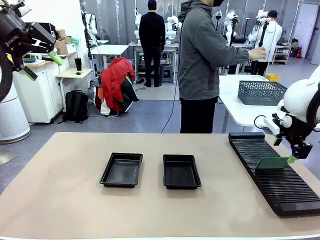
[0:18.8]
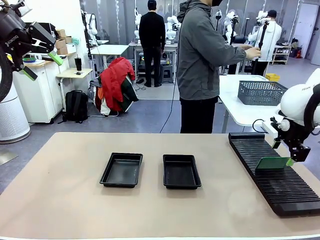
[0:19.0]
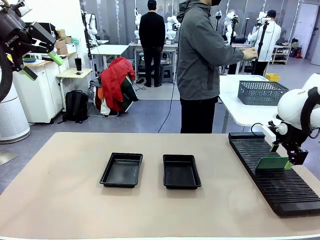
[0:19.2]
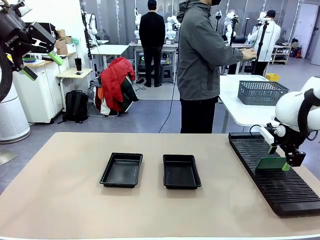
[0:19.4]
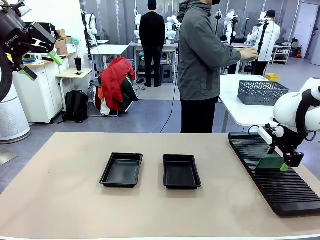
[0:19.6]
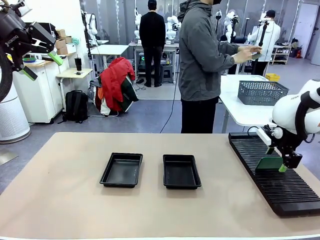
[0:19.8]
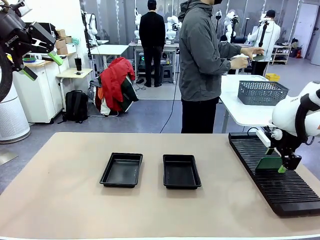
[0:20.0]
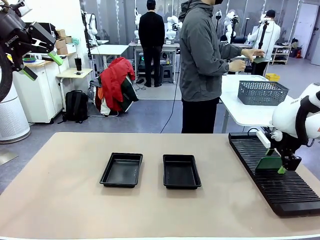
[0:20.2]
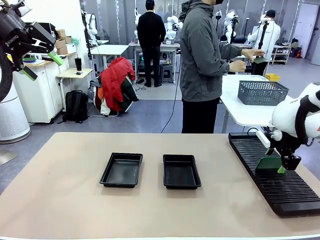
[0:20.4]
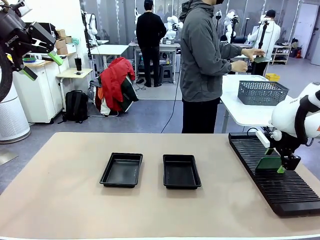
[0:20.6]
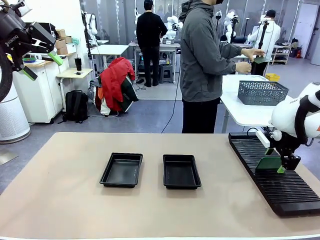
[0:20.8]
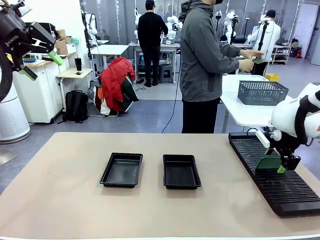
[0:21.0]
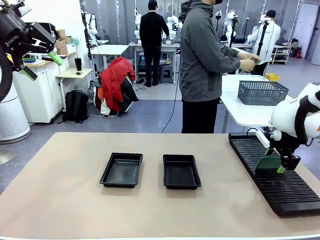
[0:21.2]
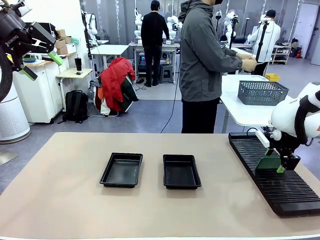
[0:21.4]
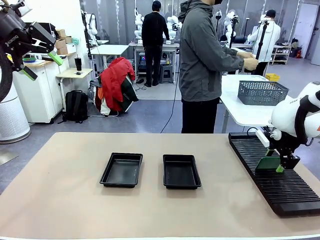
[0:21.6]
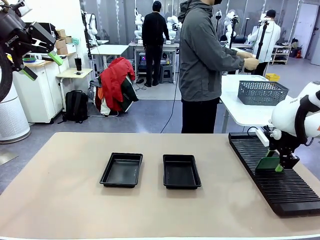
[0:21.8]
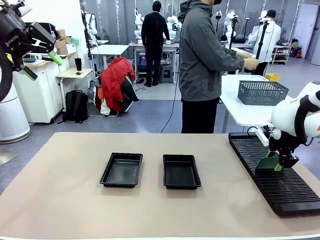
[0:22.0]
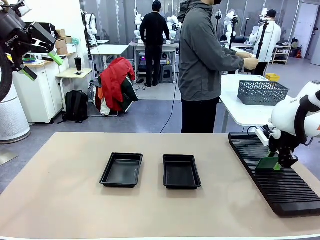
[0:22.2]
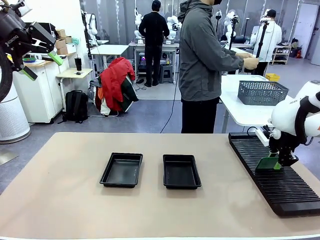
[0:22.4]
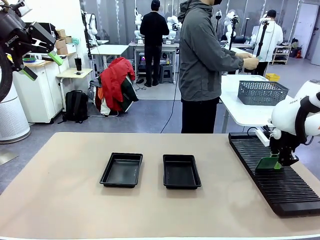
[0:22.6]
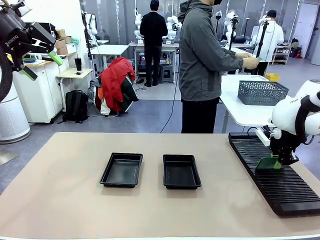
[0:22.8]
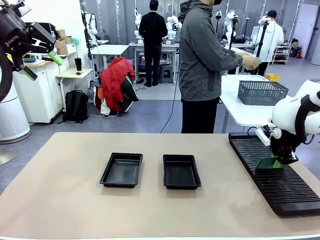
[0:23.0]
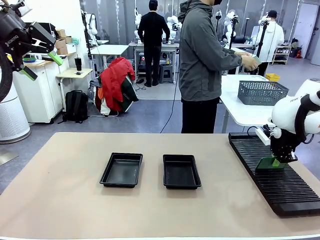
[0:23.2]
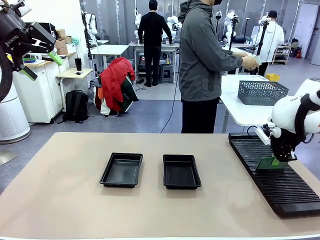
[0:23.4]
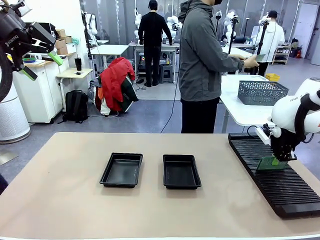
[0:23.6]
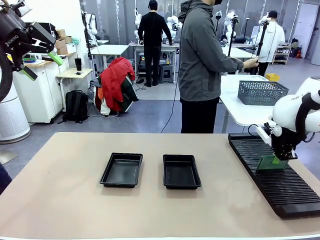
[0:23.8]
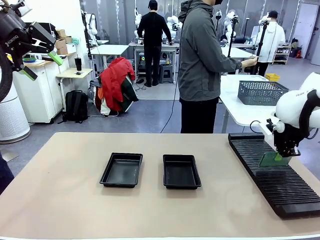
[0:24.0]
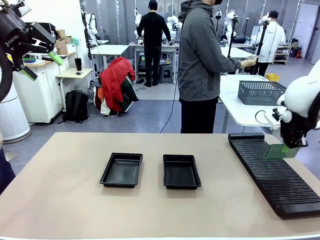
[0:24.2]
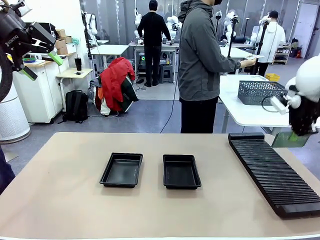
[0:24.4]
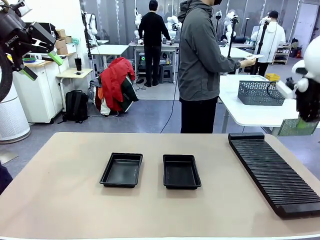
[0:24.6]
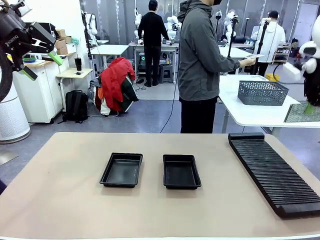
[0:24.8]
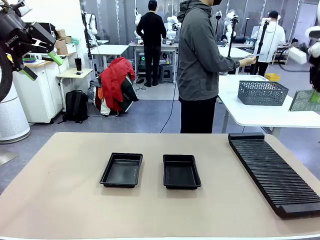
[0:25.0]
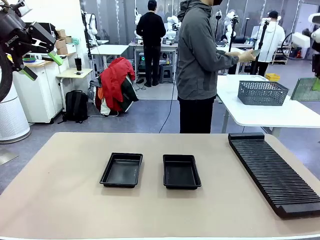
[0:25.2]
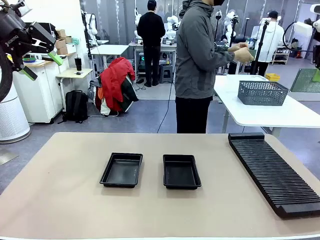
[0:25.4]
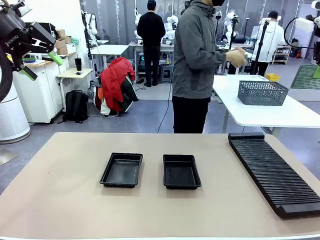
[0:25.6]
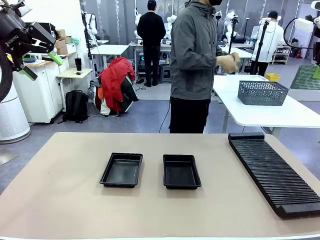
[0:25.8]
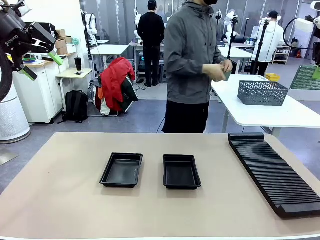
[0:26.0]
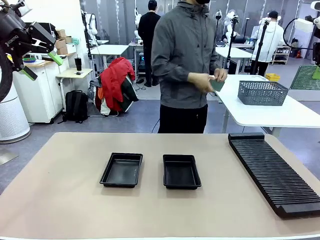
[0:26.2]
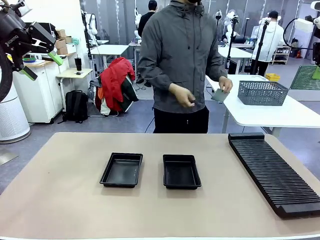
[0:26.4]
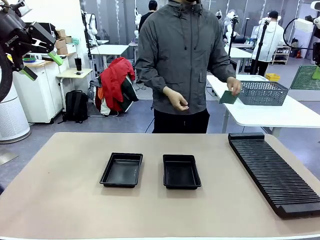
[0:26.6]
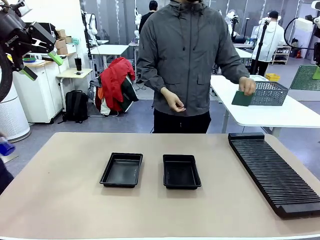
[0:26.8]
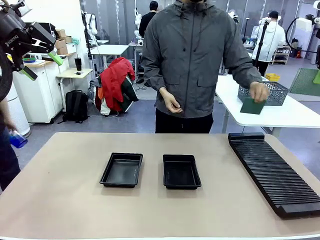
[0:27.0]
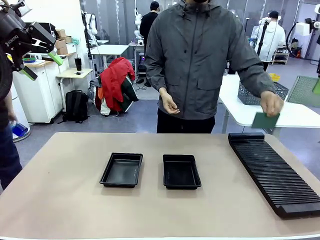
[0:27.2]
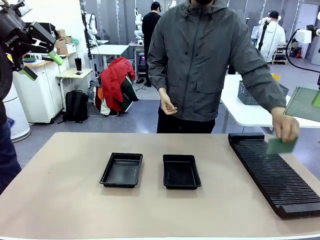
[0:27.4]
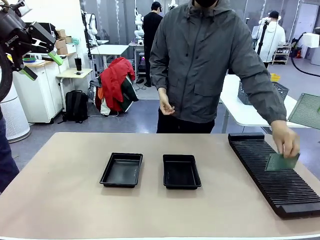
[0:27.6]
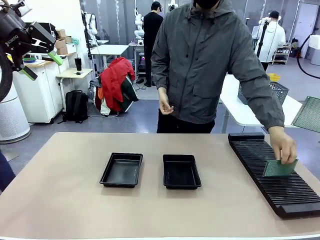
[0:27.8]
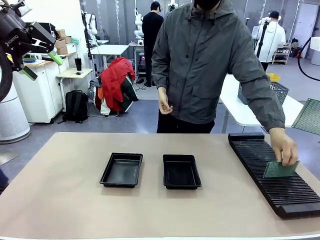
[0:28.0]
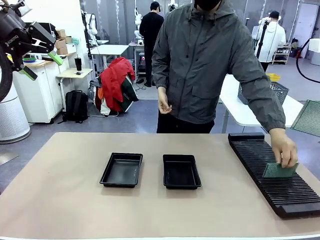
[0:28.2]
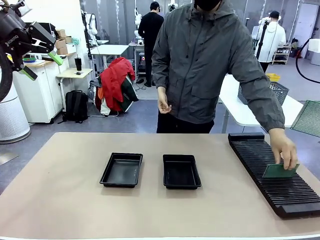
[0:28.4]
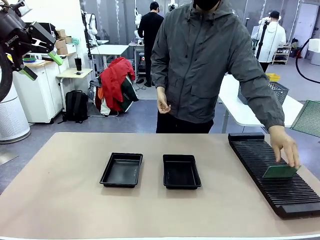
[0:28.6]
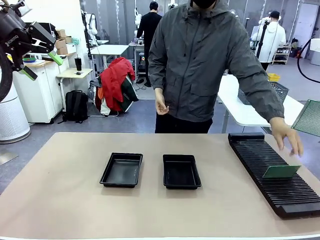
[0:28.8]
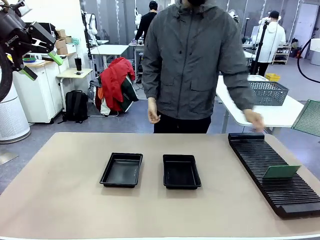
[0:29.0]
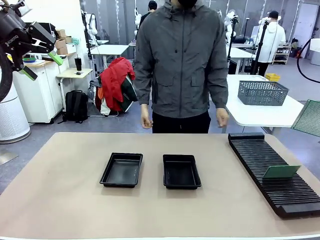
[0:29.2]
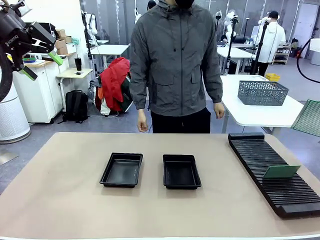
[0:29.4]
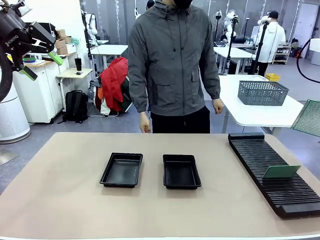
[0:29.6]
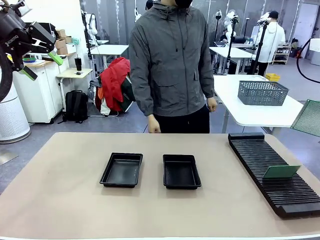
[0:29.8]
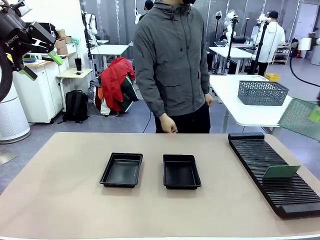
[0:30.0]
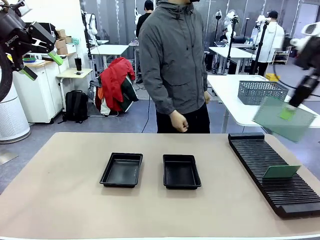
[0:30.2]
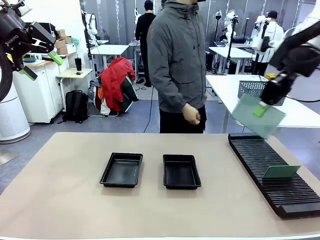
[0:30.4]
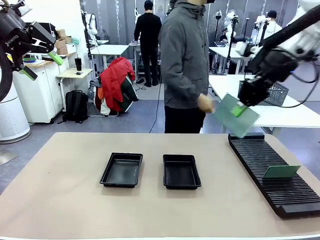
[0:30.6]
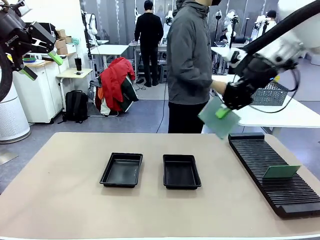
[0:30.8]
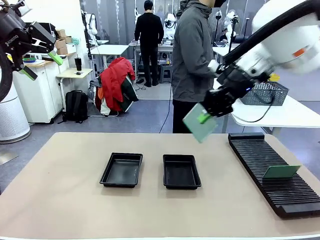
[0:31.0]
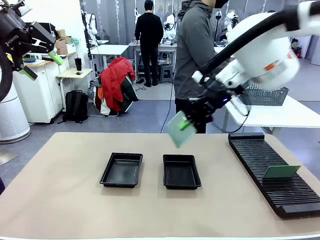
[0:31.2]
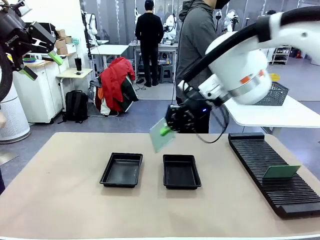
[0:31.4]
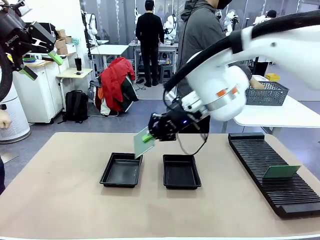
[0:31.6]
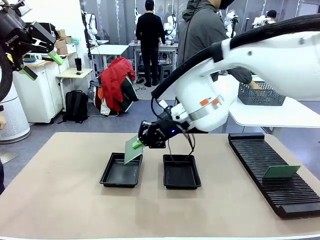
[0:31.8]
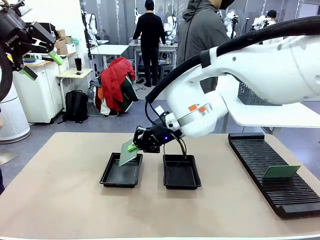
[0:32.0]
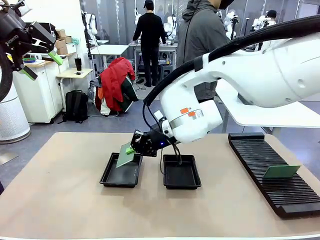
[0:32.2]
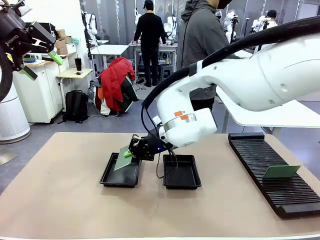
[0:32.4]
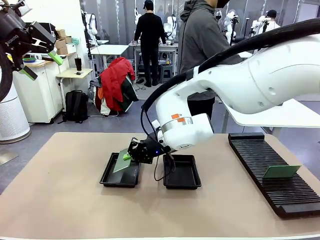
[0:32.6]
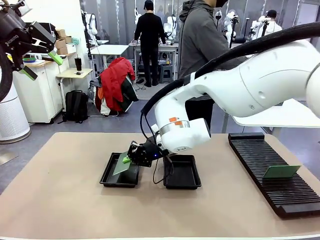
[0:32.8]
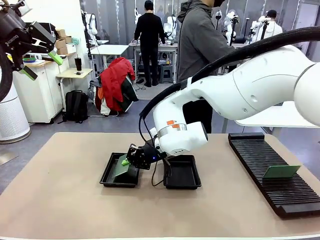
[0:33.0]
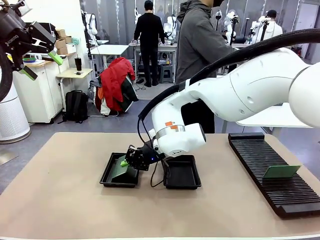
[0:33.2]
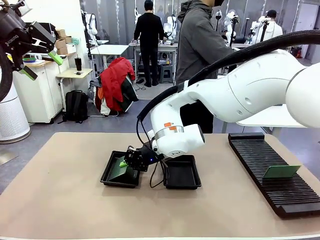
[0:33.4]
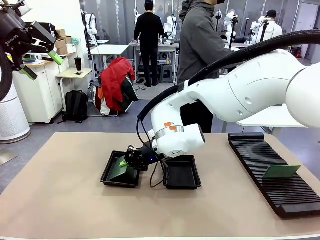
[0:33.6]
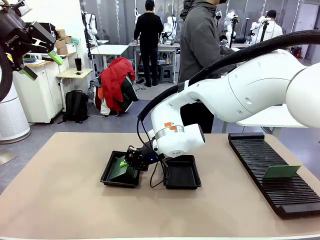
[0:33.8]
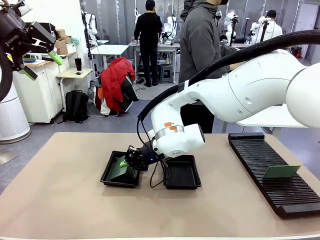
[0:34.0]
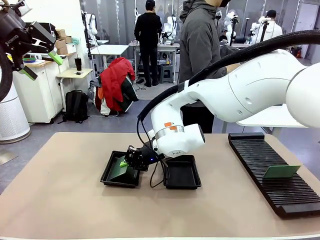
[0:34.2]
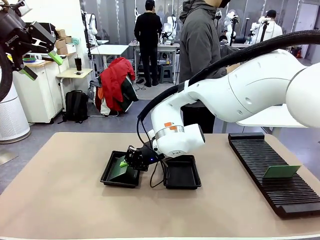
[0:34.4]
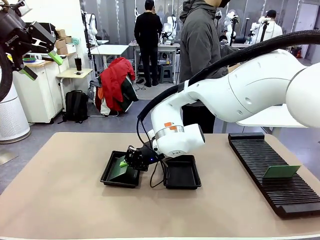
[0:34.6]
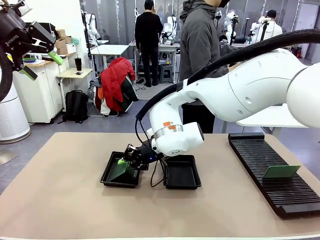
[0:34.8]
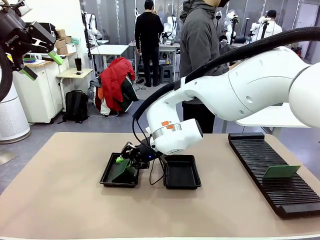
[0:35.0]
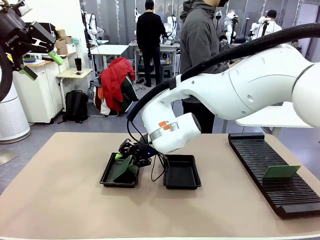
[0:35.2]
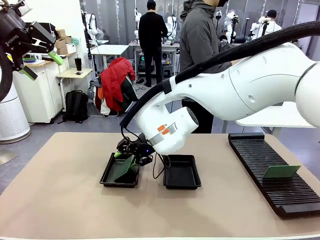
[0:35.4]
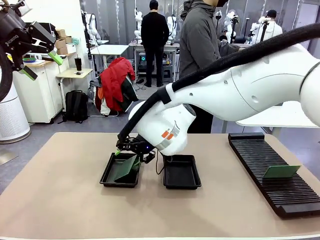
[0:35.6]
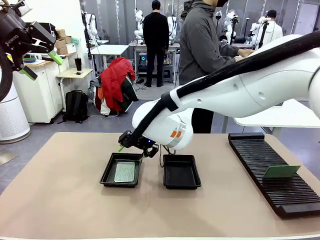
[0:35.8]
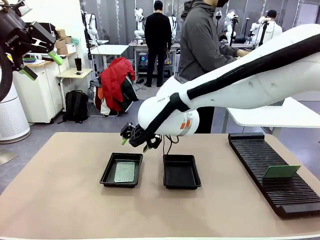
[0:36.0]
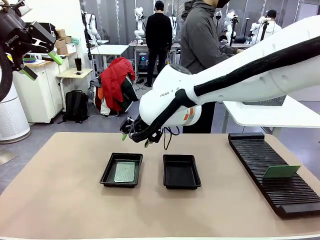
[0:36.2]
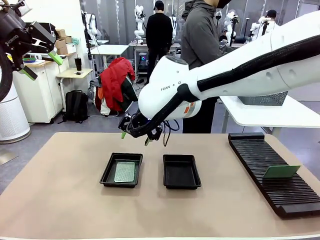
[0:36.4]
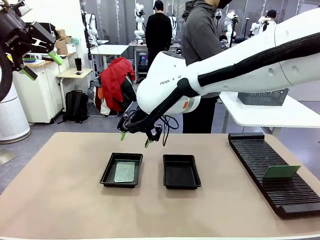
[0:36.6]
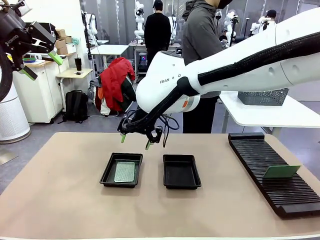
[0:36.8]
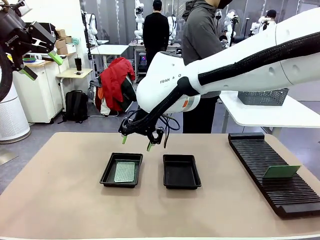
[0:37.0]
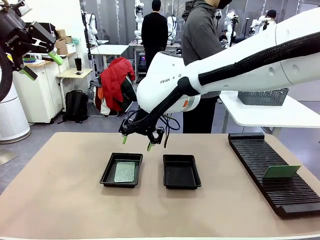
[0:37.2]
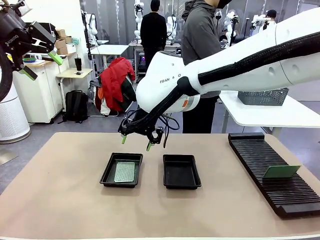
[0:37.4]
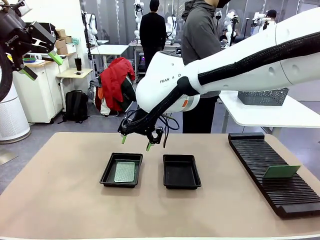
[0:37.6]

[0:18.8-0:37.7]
Task: Inspect and transfer BCBs to ESD trays.
Robot: Pick up the Blank PCB from the PCB Rack and place it in the left ESD tray.
